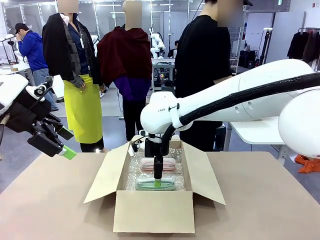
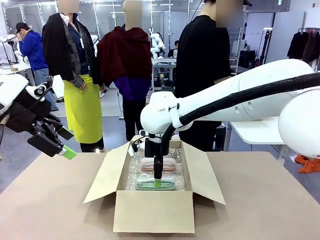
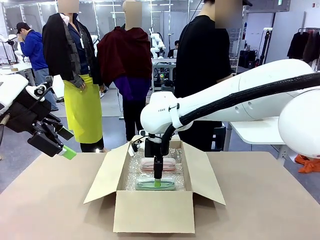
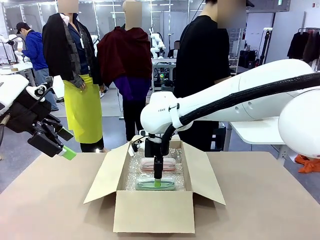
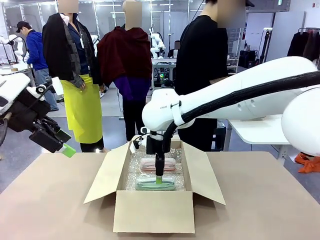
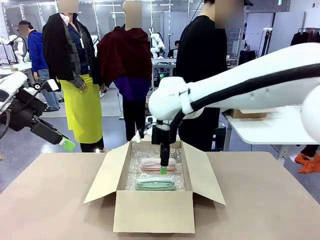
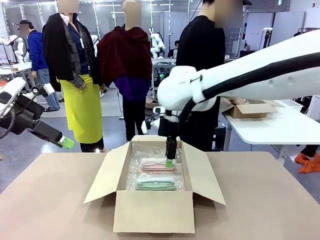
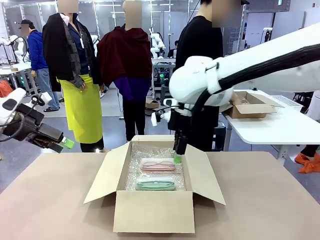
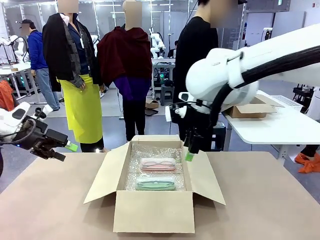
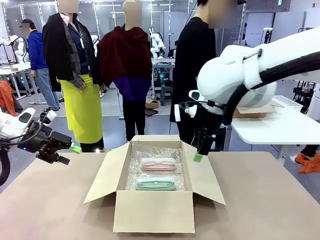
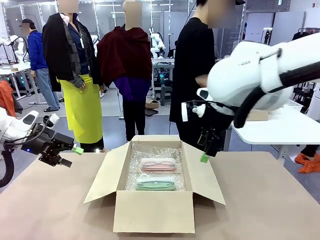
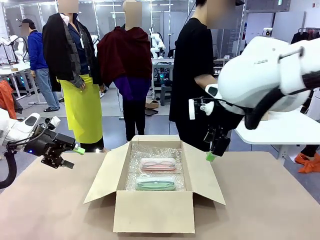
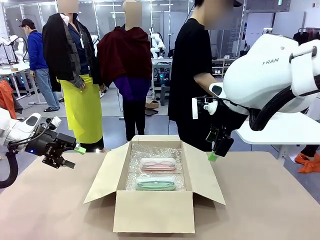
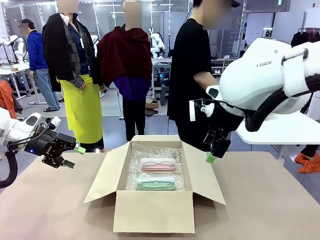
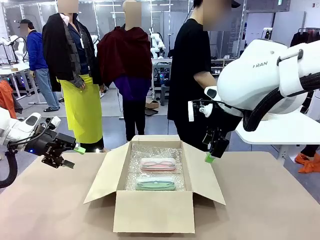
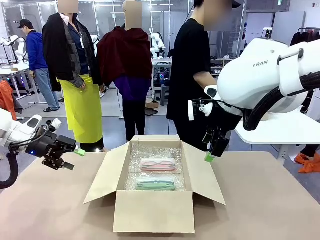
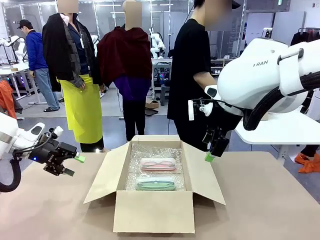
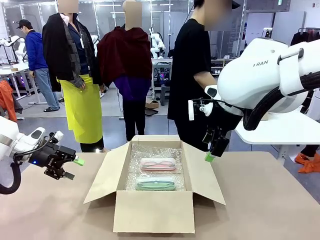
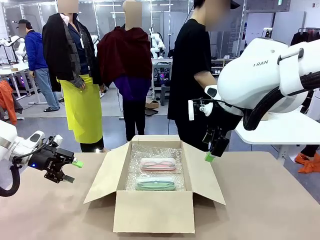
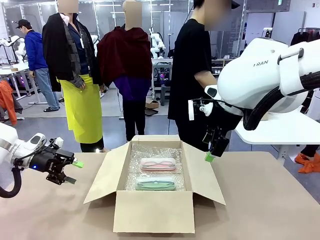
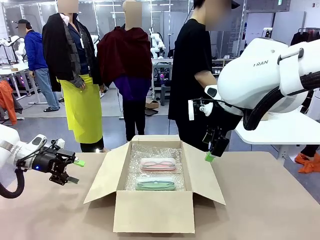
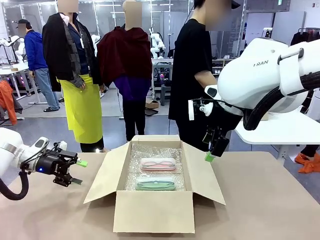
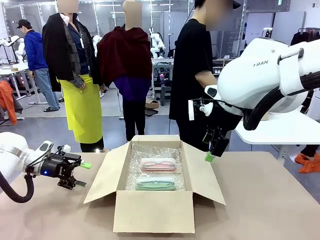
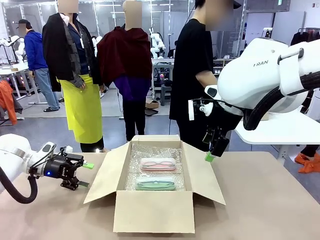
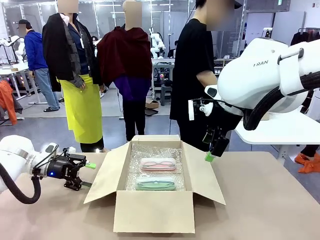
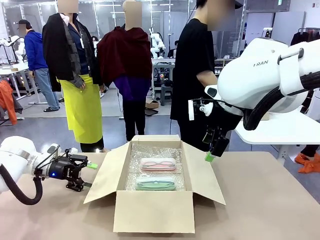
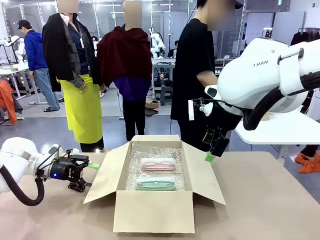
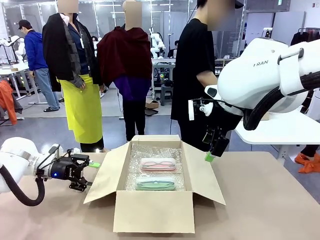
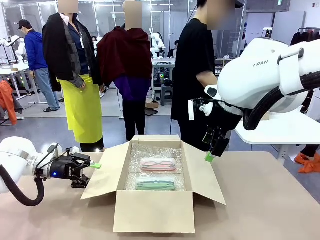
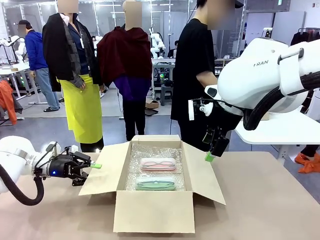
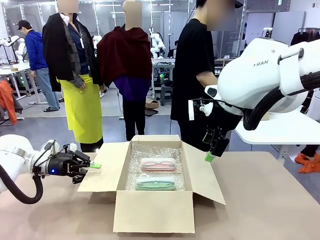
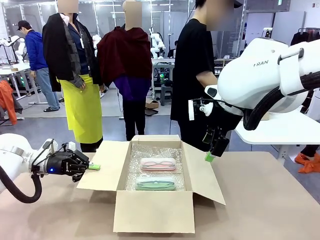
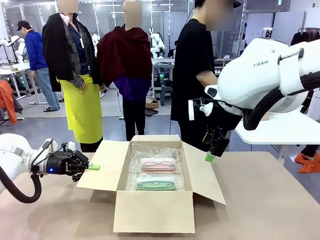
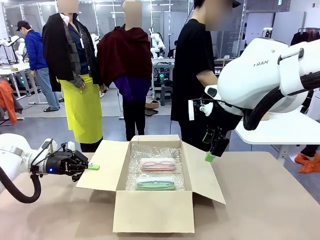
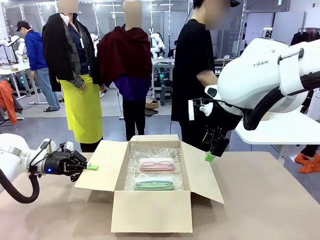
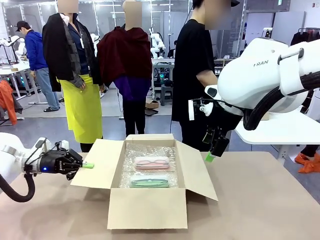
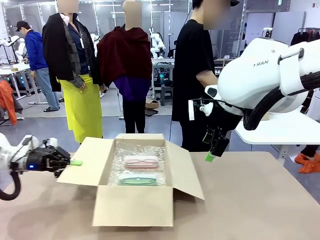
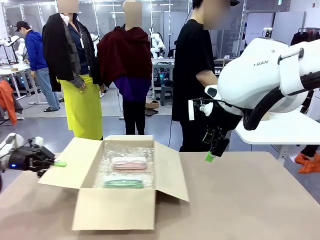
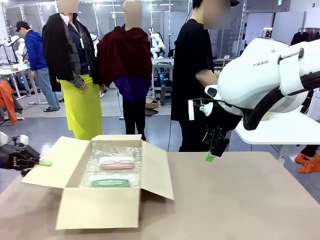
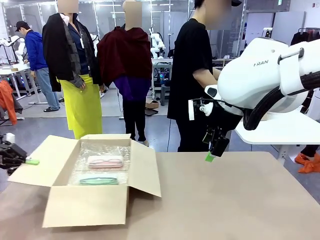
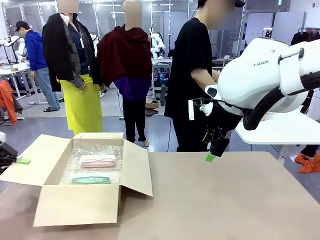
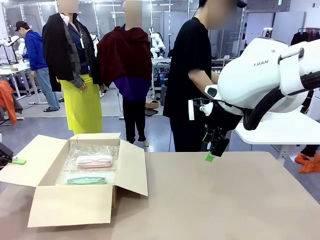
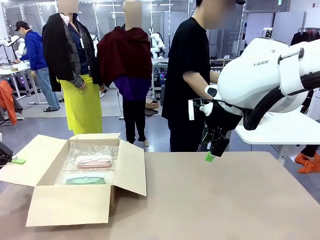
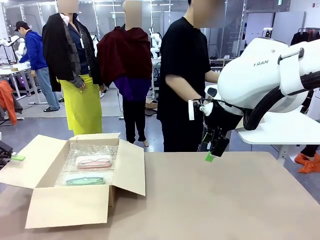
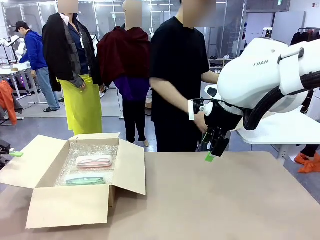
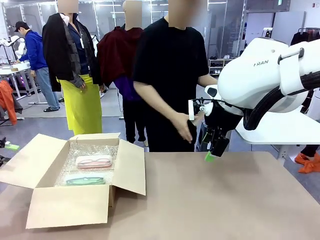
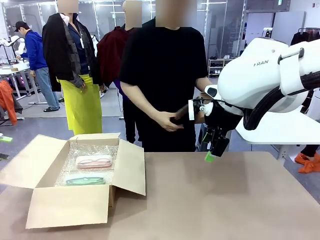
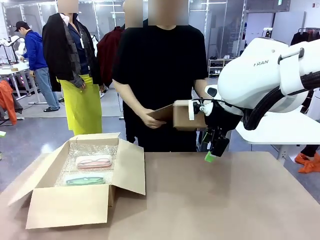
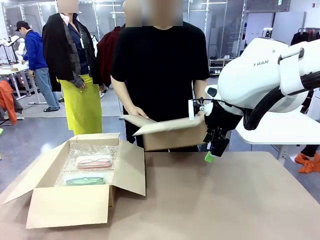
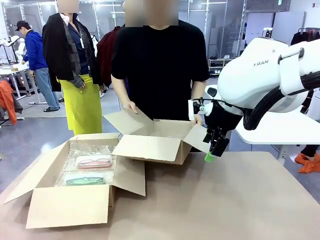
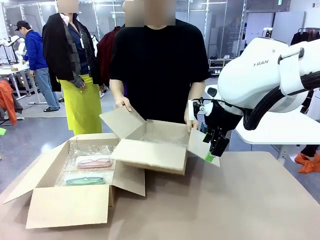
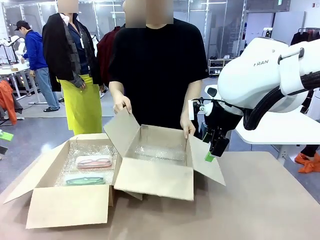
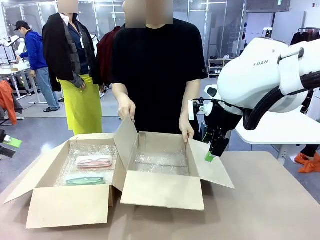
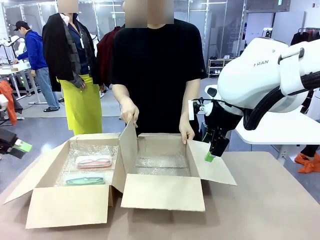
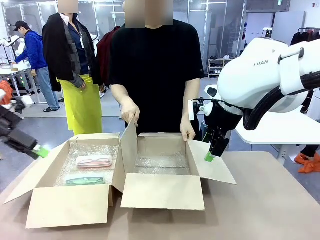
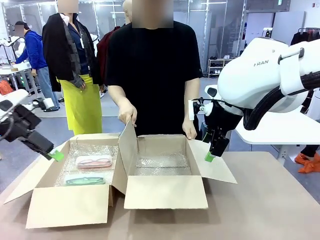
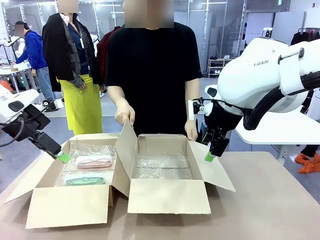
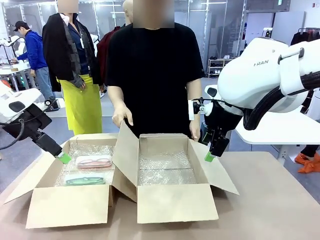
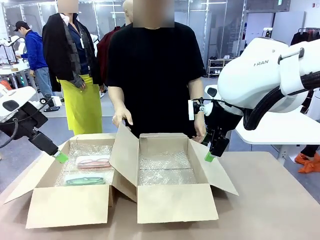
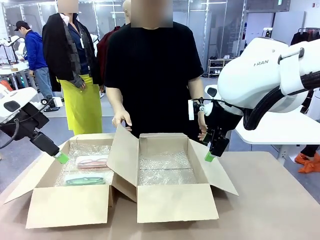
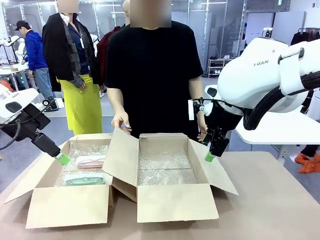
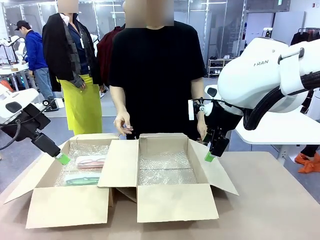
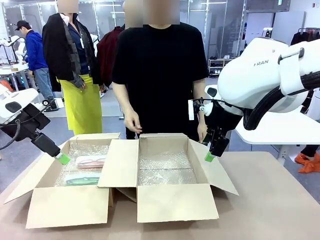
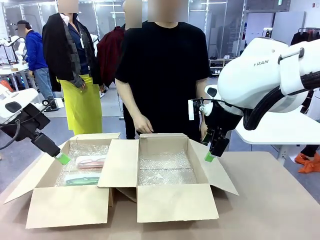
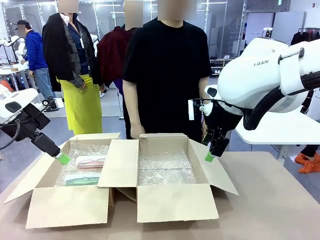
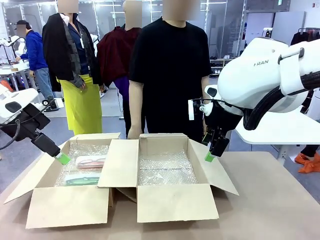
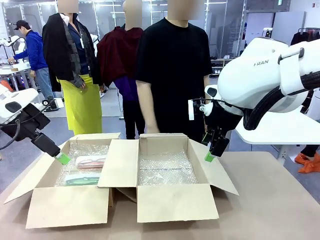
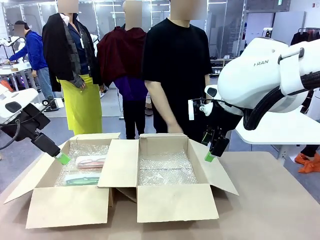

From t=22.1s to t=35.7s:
Task: Pack the glasses set securely to prepare it for shipping.
Robot: Position the Package Box on the left side of the table.
Person: Position the empty Package Box in the middle of the robot's table.
